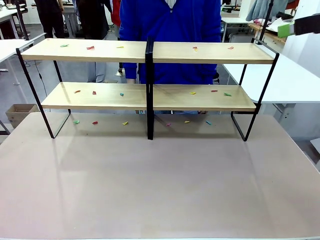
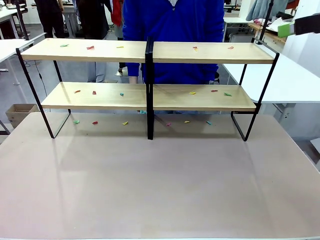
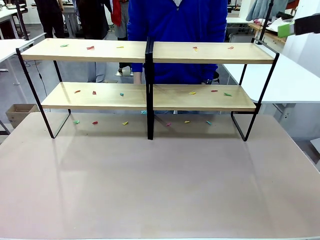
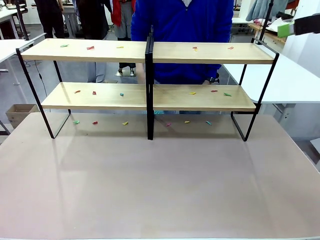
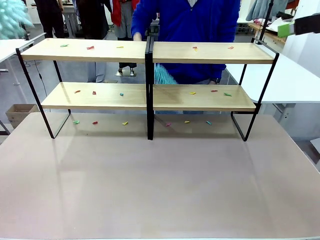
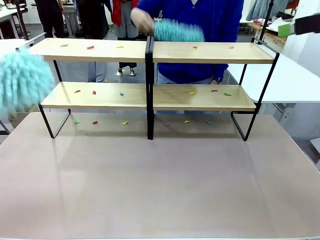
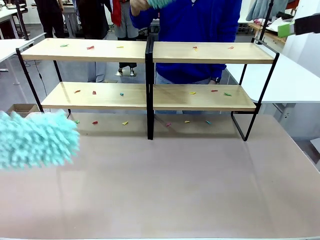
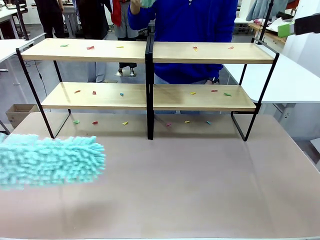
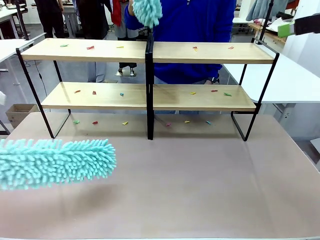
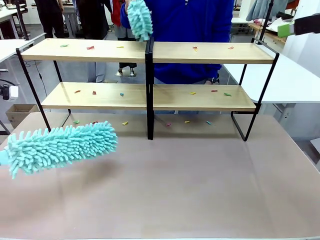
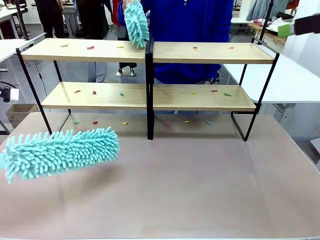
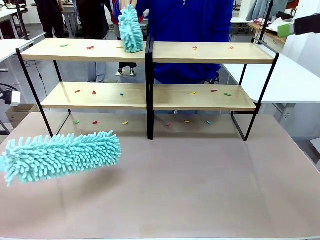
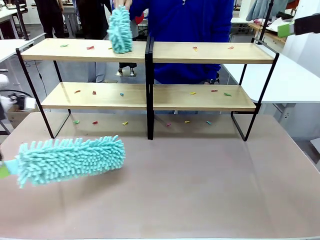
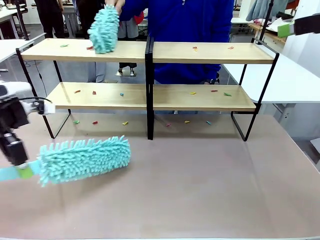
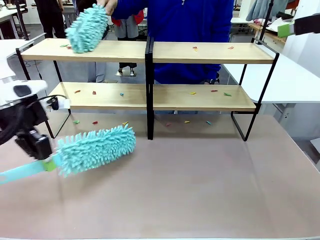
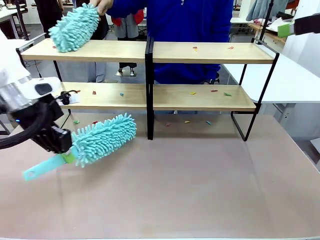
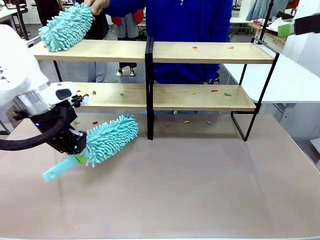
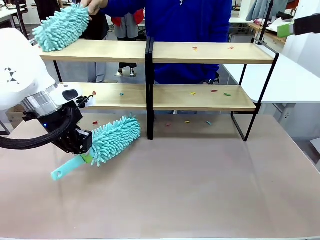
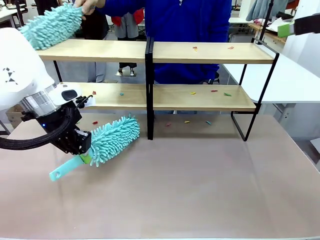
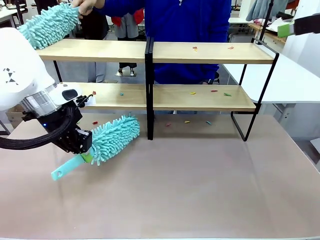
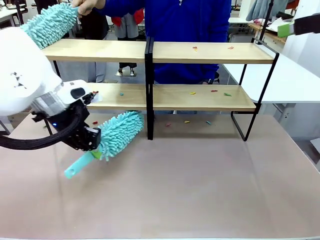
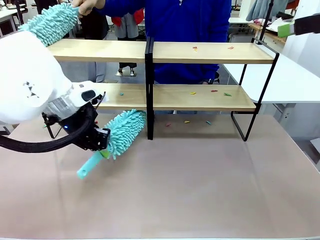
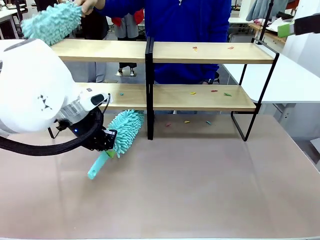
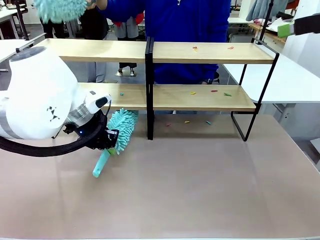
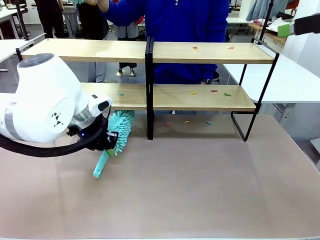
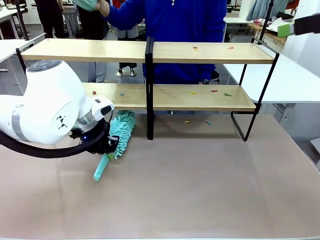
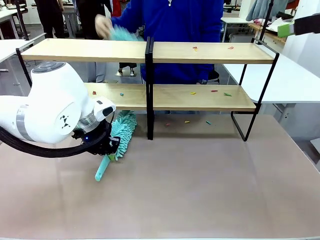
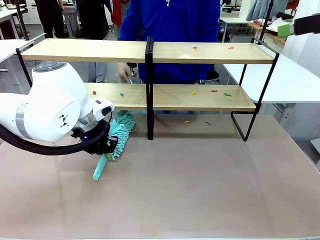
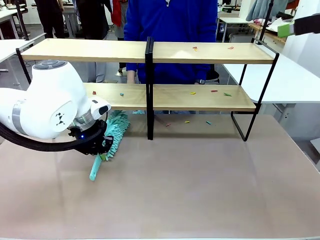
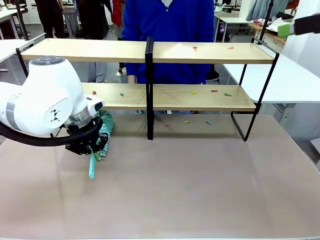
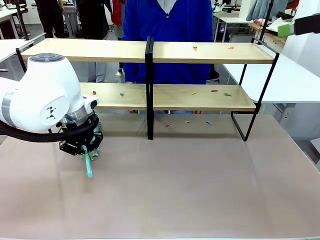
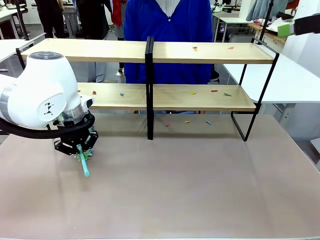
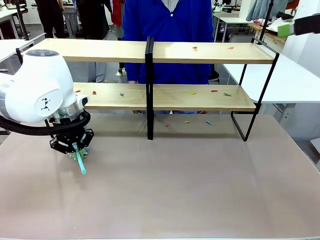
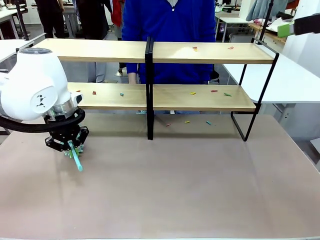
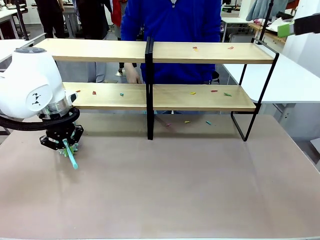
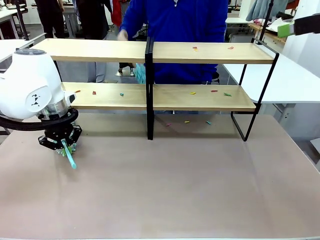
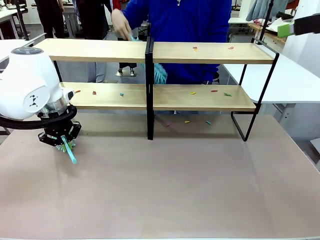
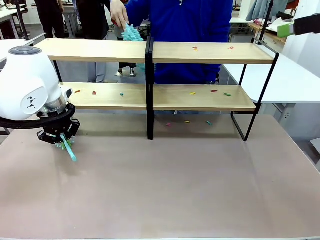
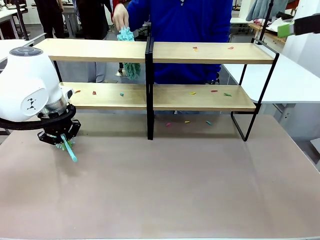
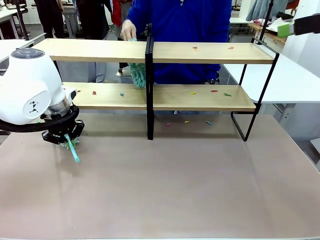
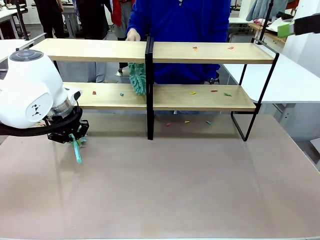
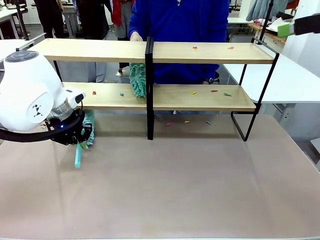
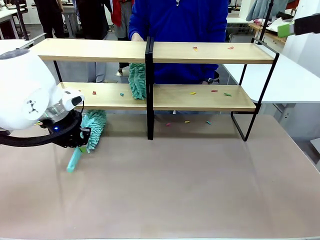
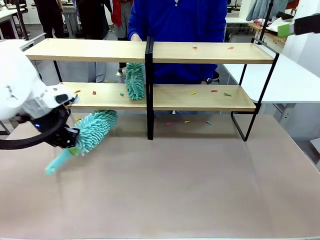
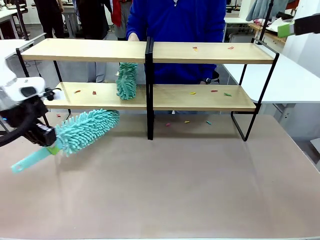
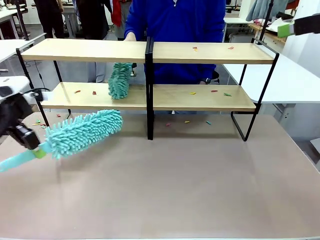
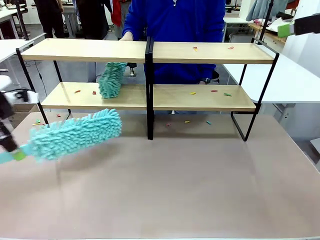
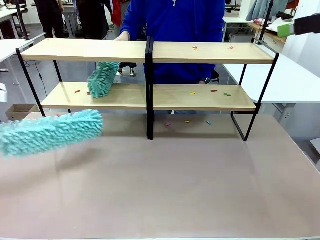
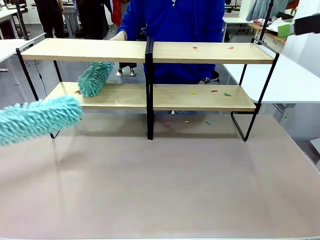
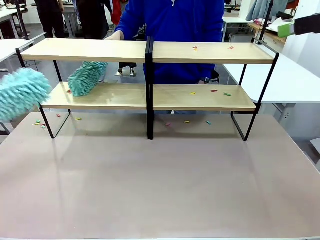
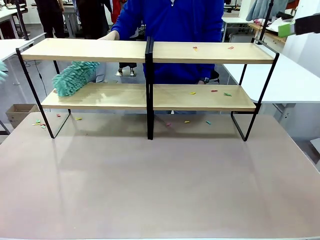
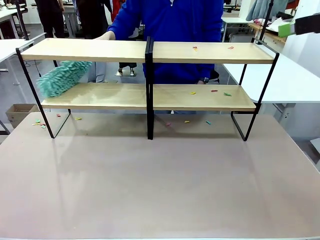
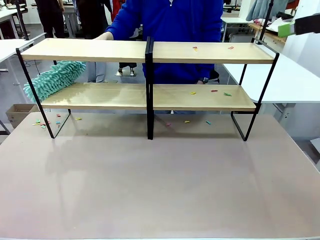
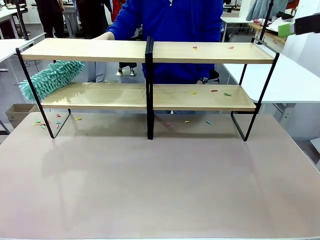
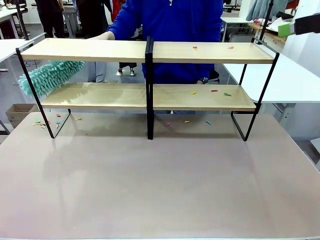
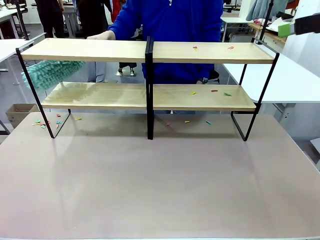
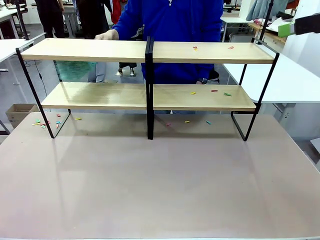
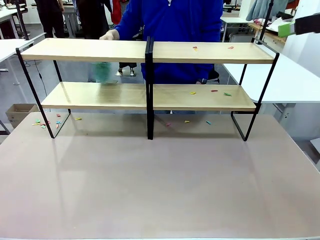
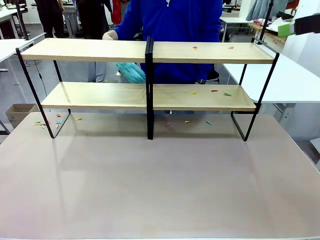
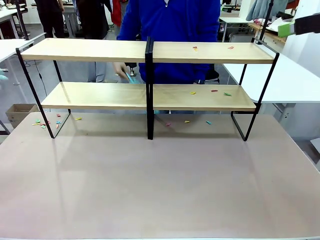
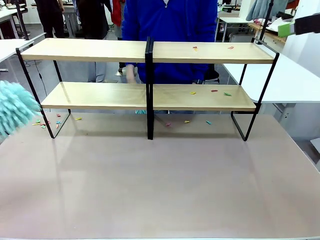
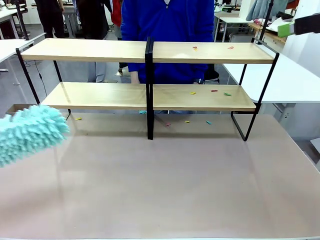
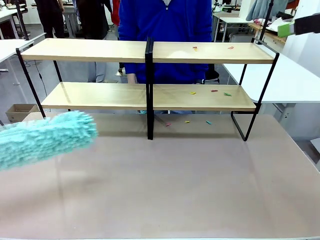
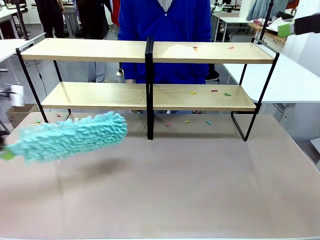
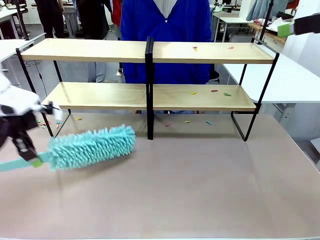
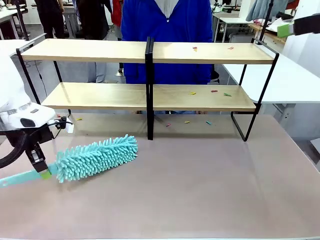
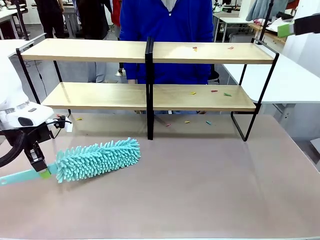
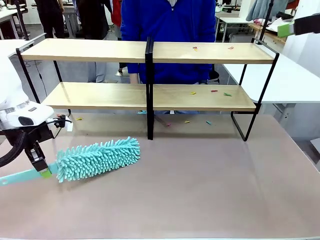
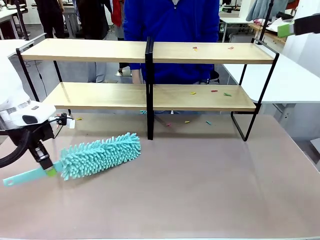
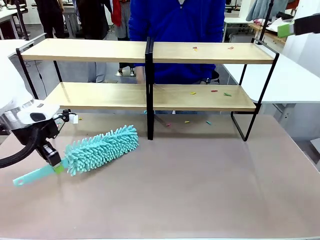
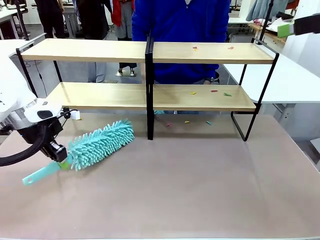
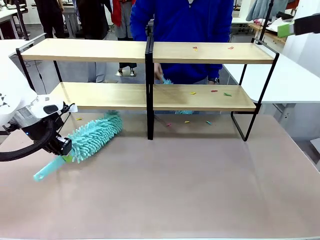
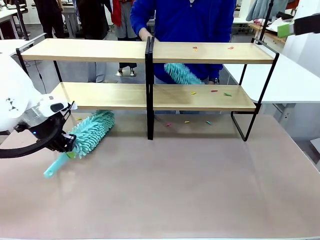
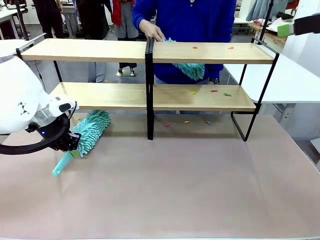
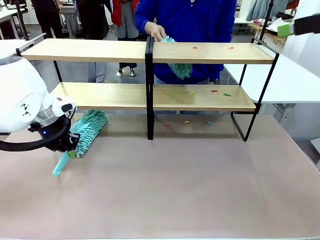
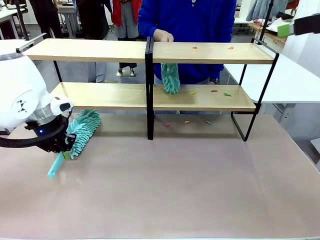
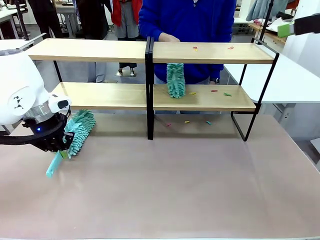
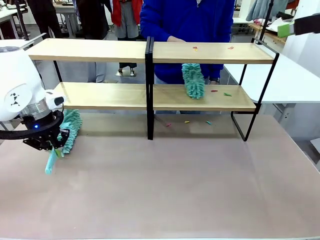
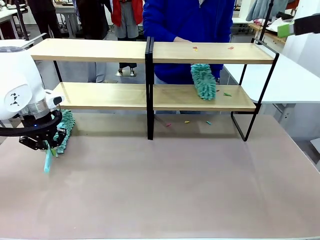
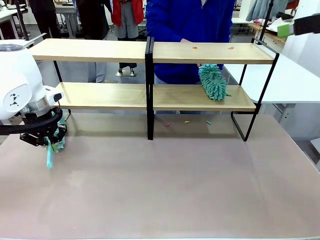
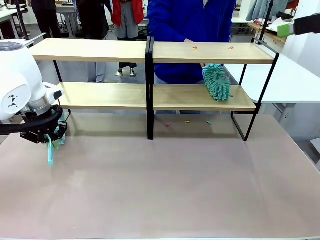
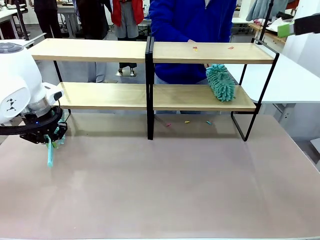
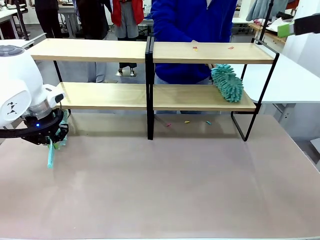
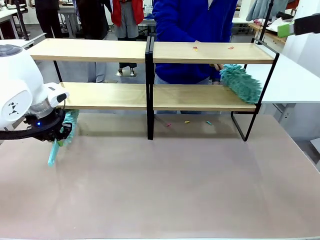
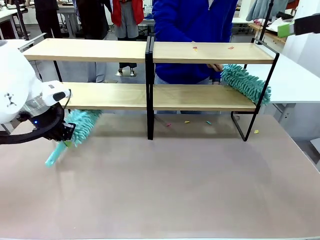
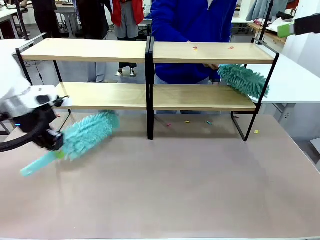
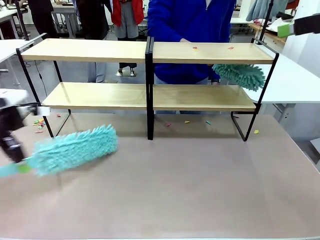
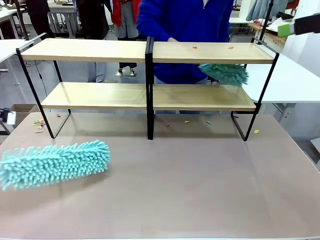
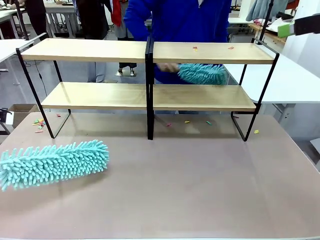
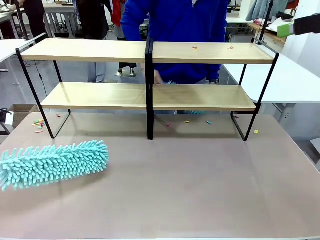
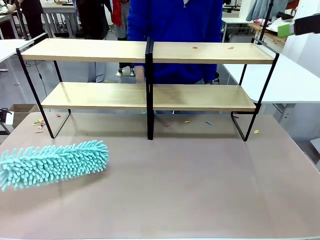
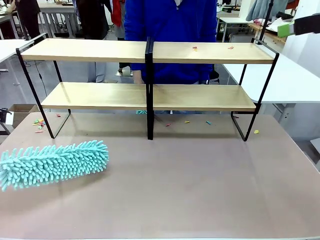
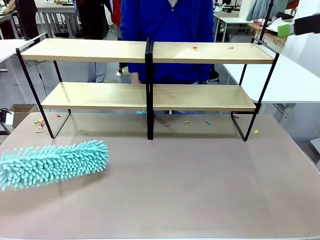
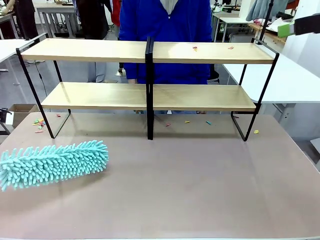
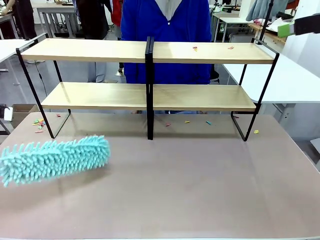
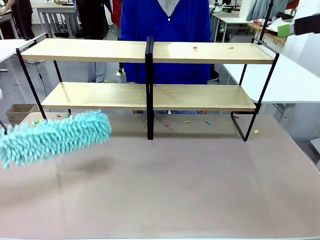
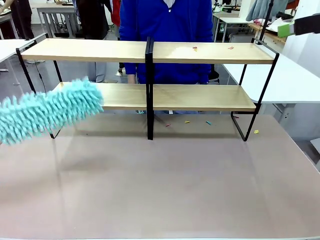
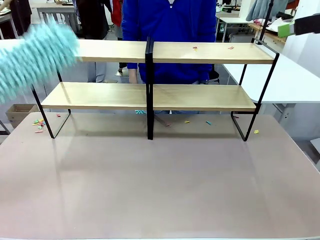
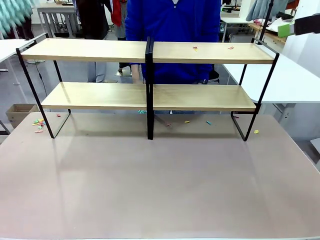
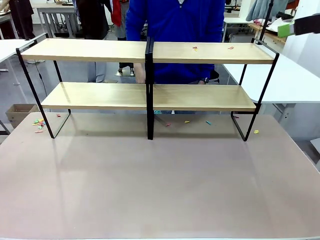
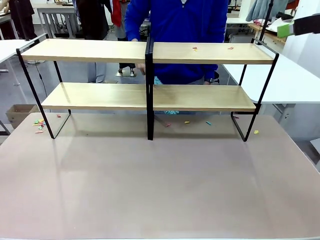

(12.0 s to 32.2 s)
Task: Clean the shelves.
Robot: Clean a randomly selected level of the Shelf with the Duster.
Person: Clean a randomly selected level of the Shelf with the Duster.
